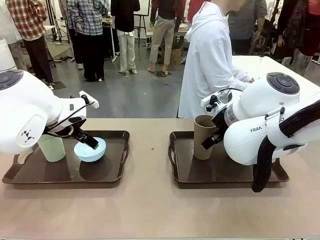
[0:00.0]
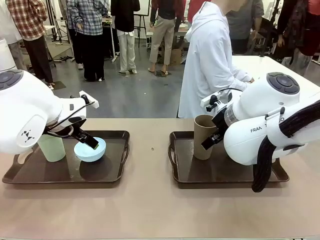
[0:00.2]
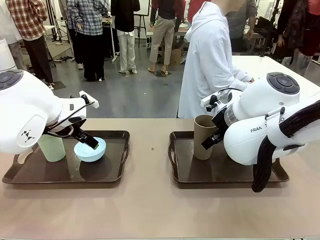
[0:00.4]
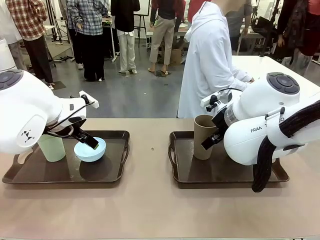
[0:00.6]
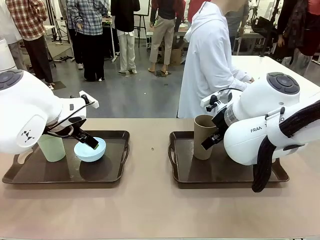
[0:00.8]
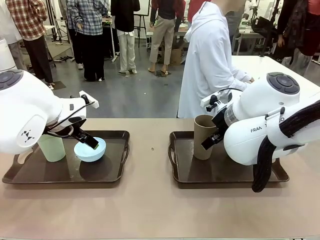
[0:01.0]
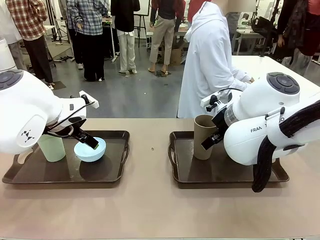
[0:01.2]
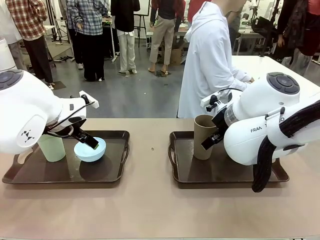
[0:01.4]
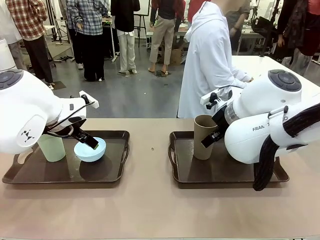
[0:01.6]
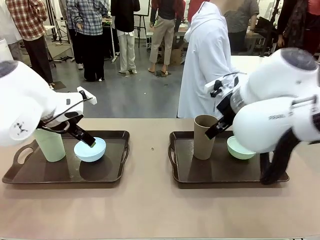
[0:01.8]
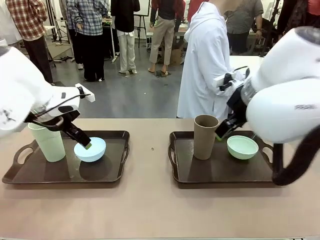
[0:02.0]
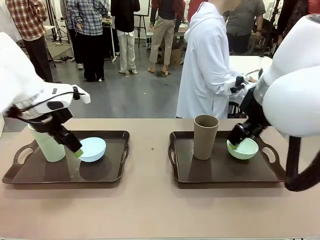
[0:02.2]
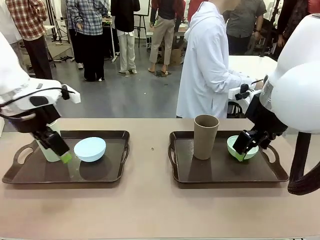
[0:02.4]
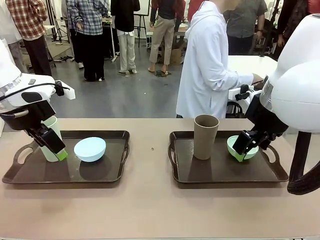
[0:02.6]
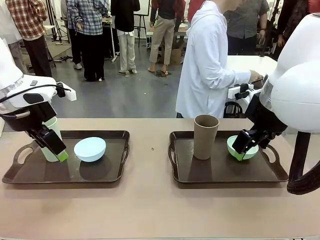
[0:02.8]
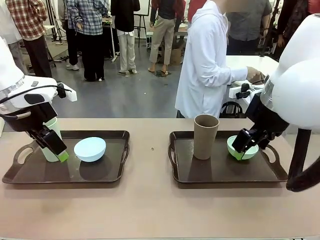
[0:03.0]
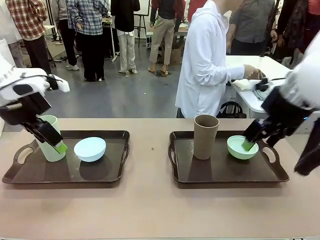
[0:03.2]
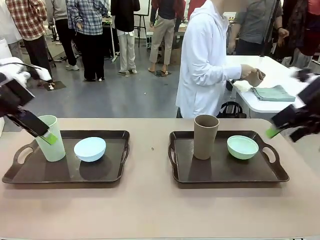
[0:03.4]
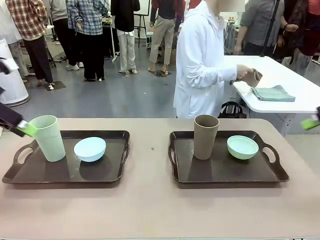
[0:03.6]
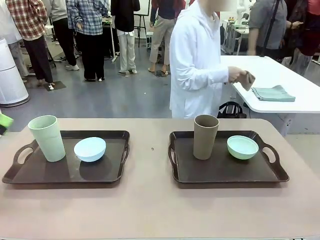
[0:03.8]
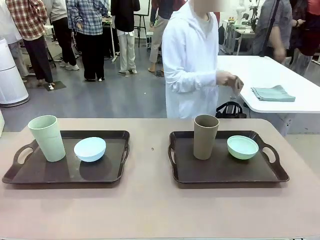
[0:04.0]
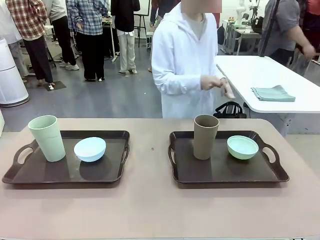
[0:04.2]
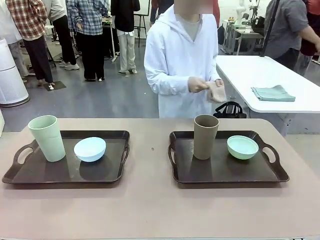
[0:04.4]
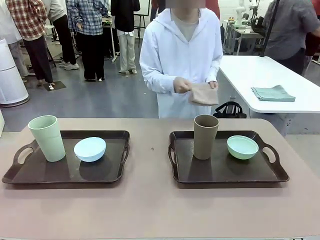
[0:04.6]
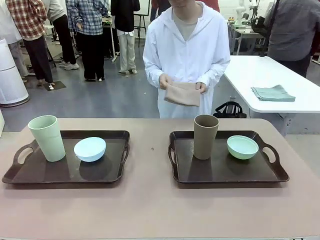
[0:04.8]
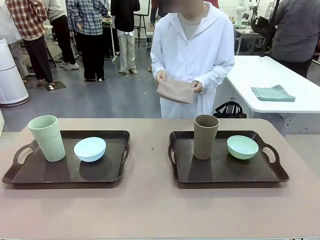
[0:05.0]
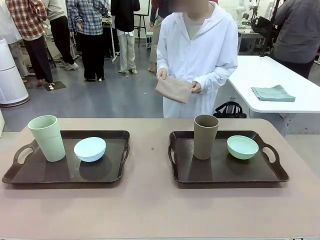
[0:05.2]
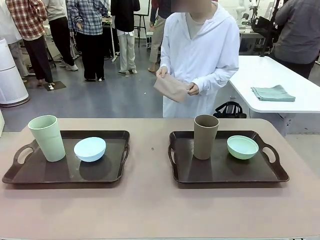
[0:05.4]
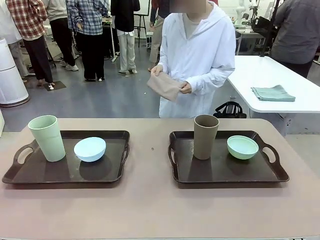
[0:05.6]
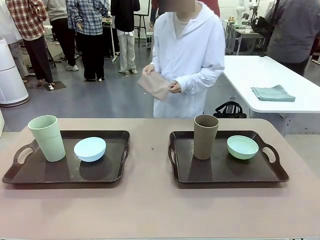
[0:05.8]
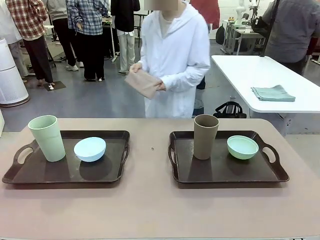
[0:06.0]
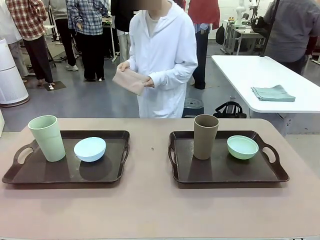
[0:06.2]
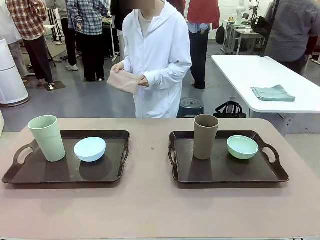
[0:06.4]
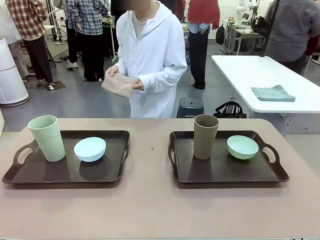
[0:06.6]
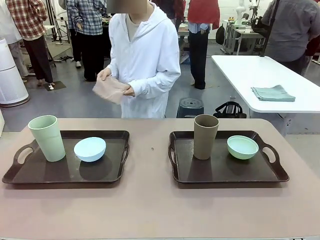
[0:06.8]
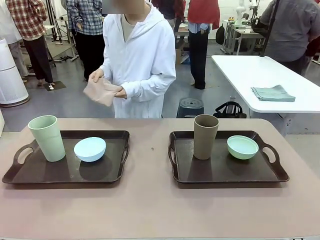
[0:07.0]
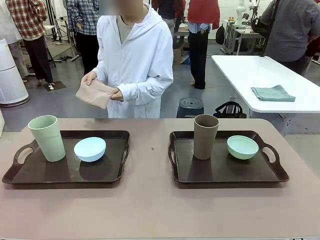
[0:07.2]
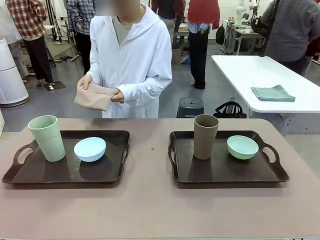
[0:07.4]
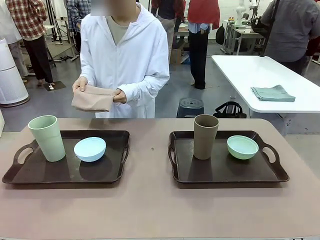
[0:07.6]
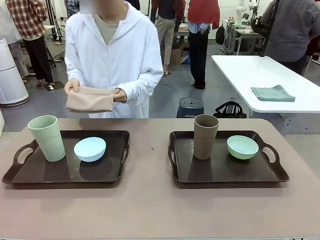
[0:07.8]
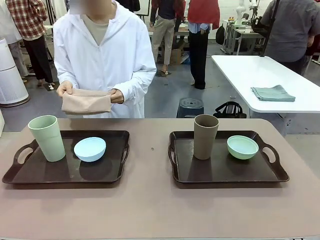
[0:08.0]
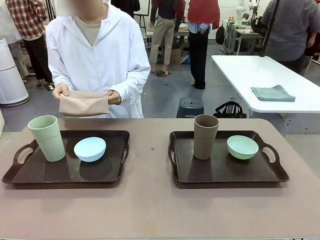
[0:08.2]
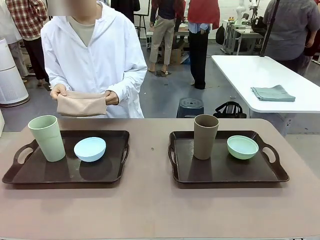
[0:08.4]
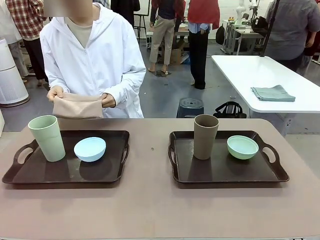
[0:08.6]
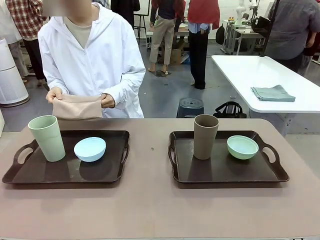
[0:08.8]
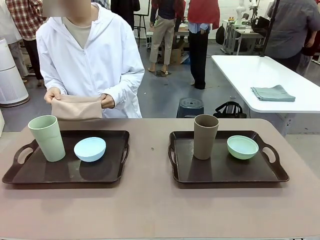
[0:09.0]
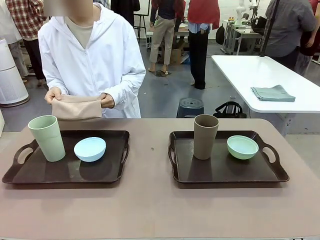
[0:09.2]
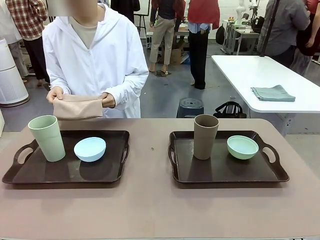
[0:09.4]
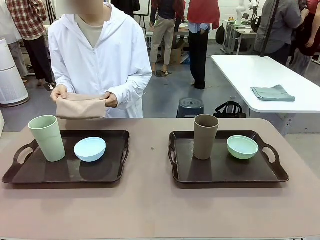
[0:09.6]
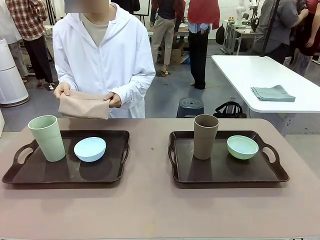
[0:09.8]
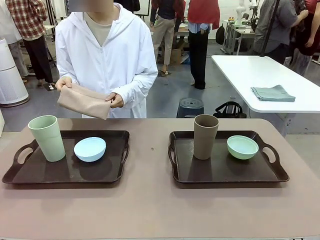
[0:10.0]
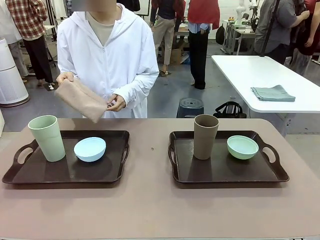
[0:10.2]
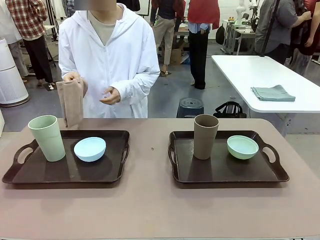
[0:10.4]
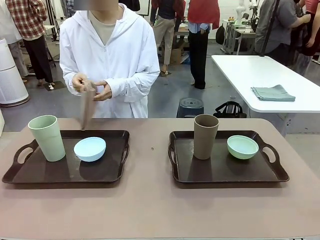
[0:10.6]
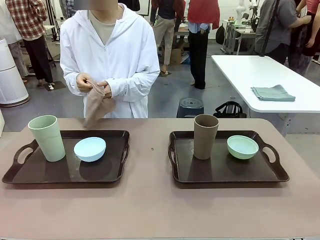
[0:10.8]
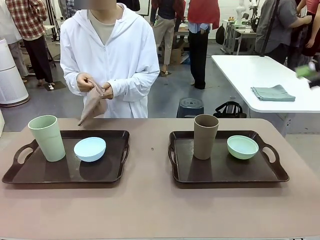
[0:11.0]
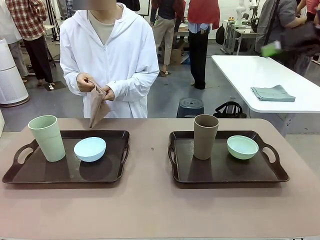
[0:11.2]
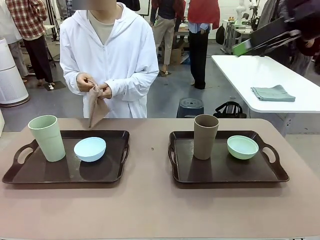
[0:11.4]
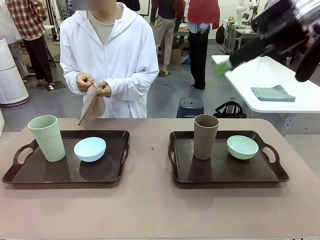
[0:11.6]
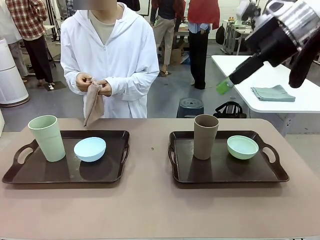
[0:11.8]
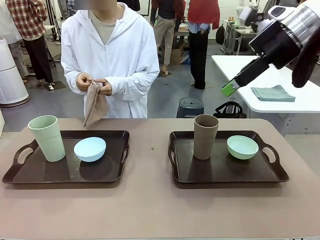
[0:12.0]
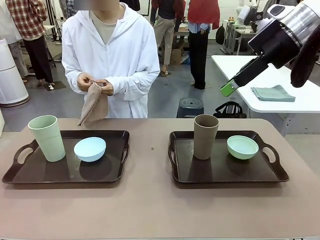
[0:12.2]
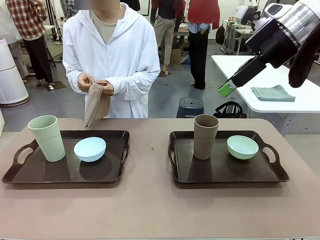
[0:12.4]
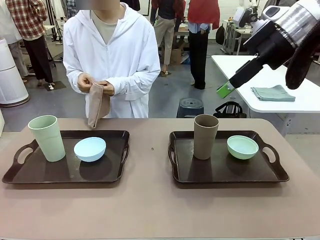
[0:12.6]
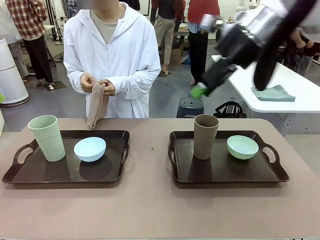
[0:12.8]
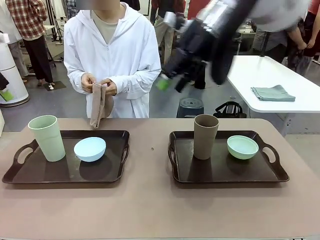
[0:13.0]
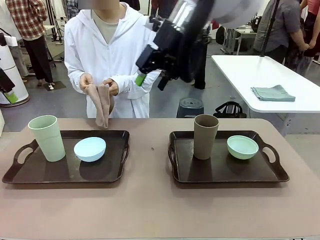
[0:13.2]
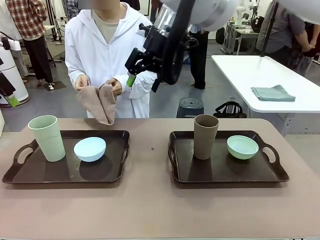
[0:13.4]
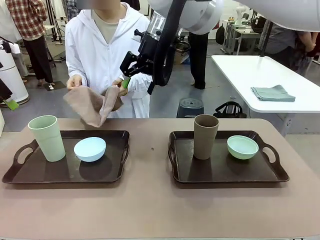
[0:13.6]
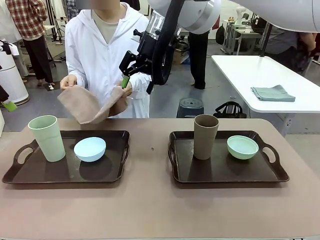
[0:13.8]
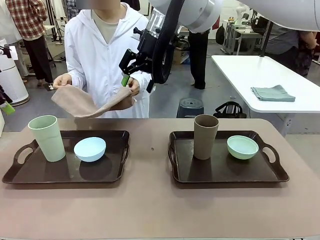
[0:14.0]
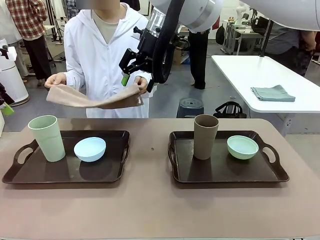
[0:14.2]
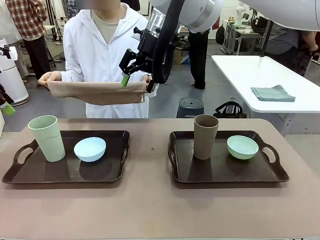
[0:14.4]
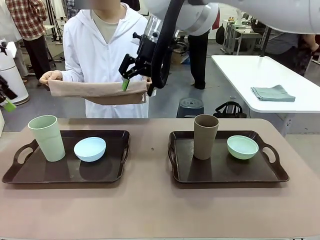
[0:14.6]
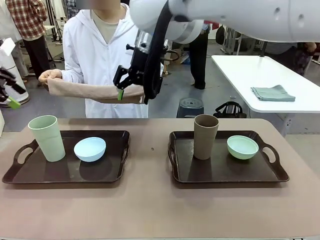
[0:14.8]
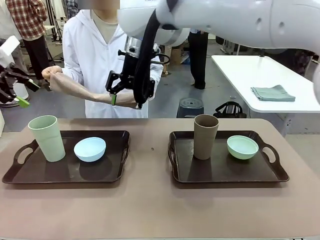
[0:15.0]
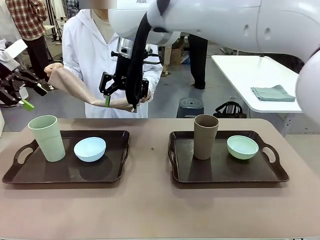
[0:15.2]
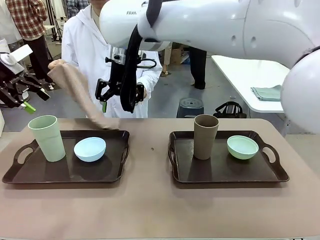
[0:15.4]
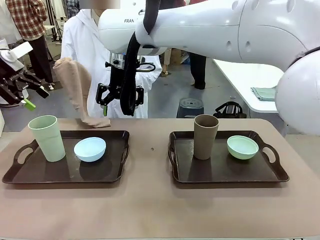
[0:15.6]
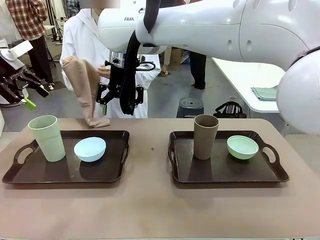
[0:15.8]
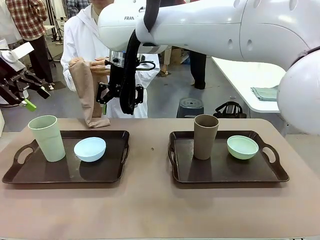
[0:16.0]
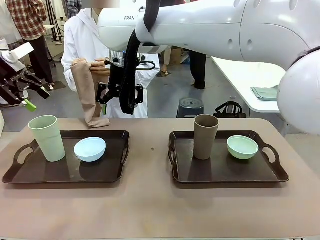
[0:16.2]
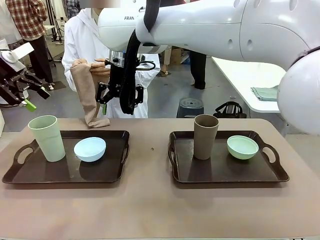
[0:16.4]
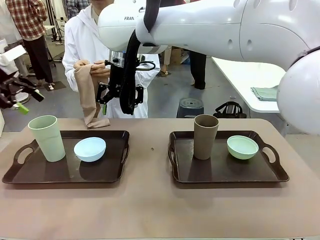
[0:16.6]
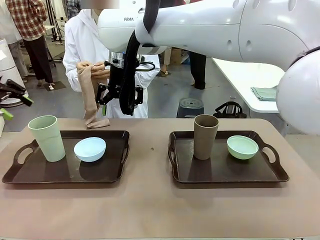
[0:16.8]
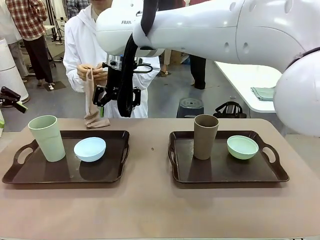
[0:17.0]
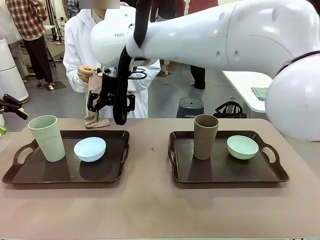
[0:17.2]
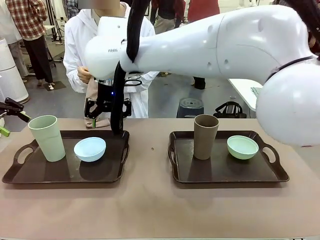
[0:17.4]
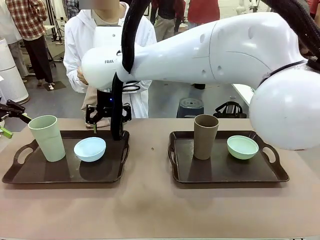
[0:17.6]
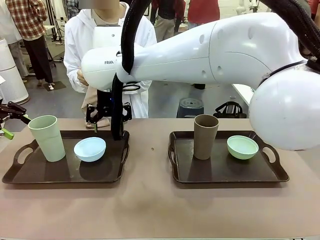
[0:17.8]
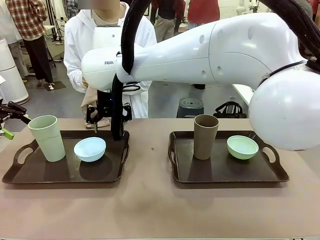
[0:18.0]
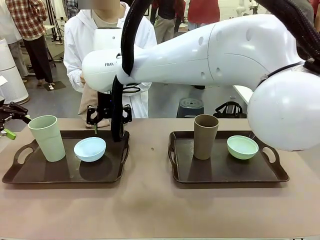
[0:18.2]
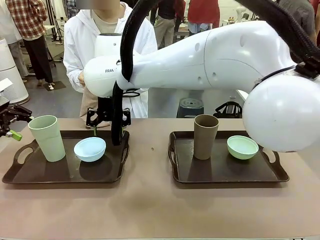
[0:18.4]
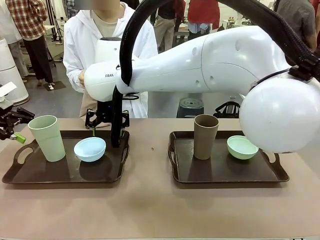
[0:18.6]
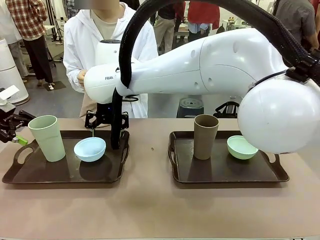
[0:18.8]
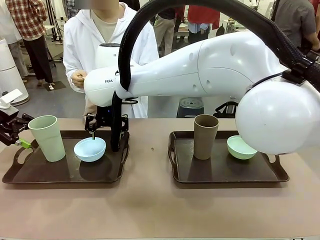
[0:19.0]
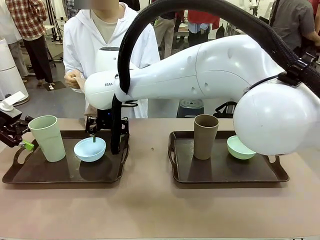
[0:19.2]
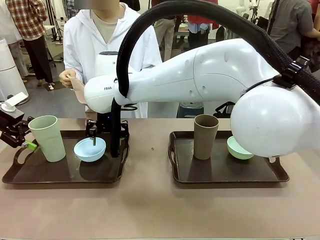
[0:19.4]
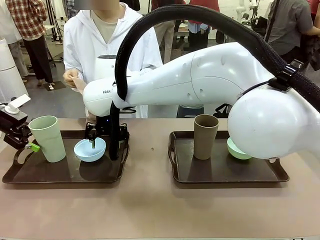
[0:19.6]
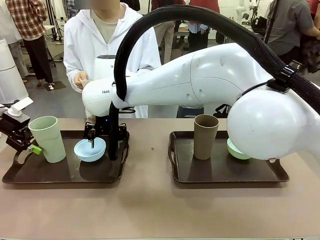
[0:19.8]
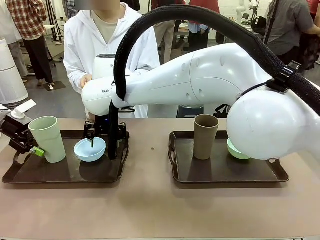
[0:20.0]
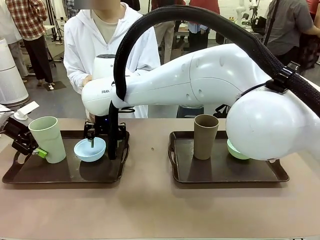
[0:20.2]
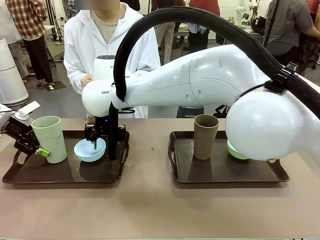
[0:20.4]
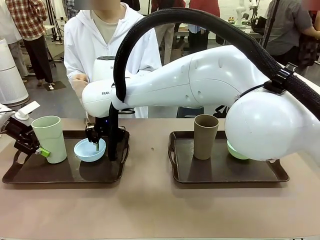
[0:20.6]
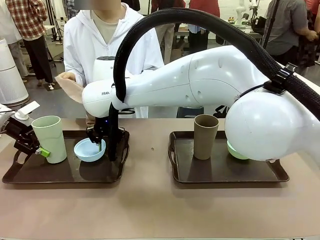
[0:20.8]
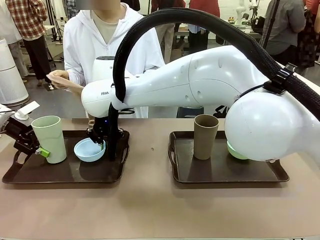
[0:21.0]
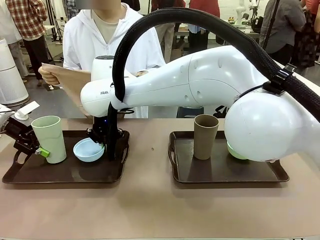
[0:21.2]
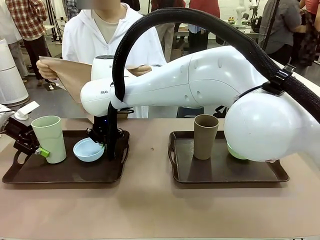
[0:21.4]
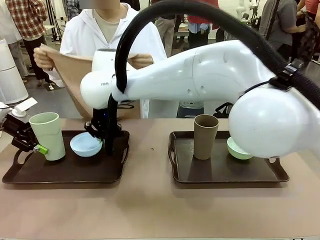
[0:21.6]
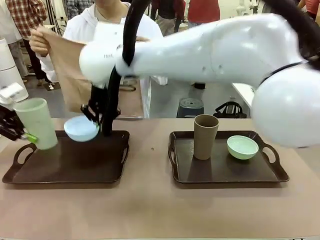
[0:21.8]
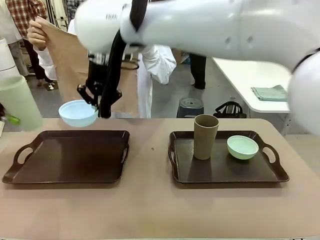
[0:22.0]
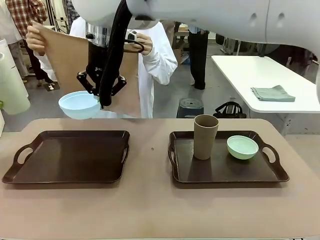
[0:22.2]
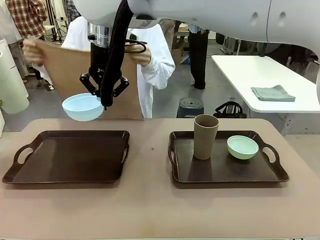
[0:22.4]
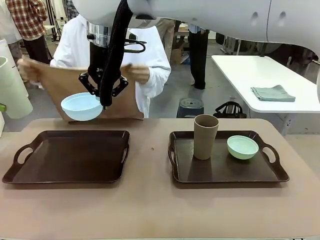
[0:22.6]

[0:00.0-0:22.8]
Robot: Pick up the Picnic Bowl and Reusable plastic cup from the Handle tray in front of the human's position and hold them in the air.
Person: The human picks up the top napkin from the stack on the human table and walks to the robot table to stand in front of one of the two trays. When the robot lifts the bowl and the cup, the human unfolds the napkin and lays the napkin flat on the tray.
